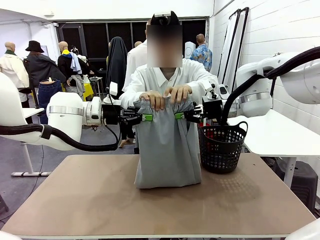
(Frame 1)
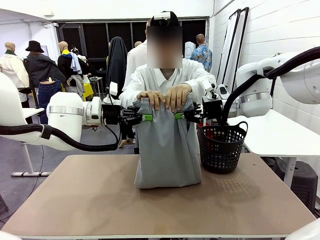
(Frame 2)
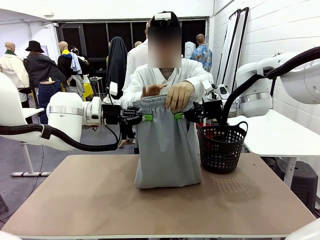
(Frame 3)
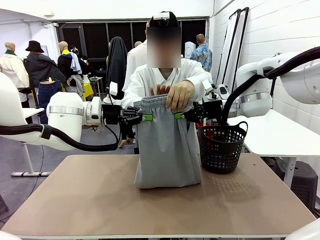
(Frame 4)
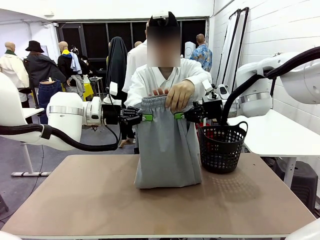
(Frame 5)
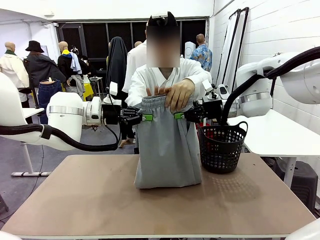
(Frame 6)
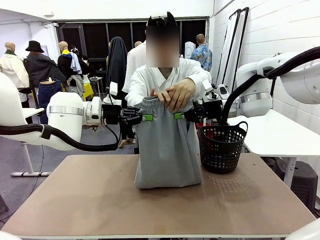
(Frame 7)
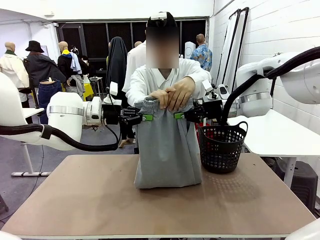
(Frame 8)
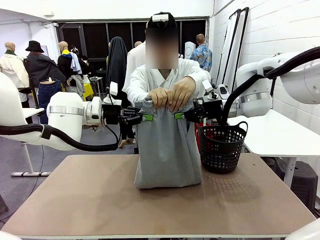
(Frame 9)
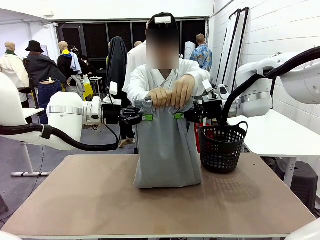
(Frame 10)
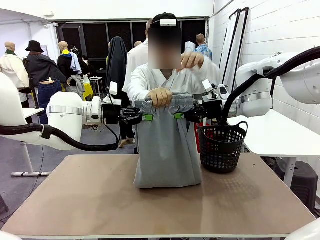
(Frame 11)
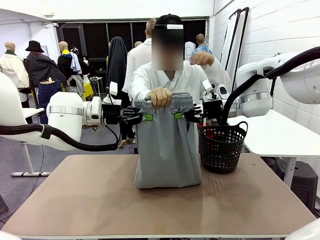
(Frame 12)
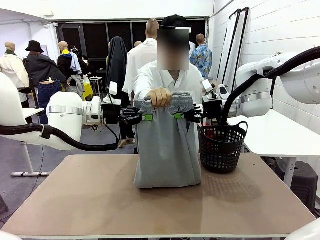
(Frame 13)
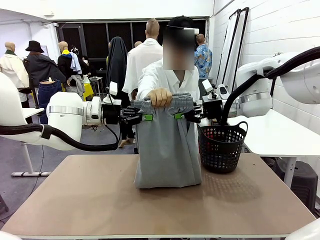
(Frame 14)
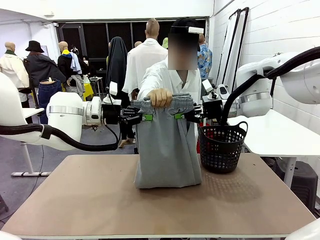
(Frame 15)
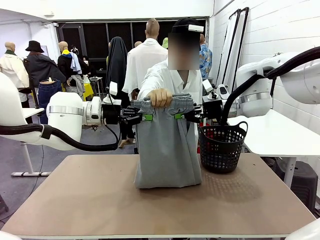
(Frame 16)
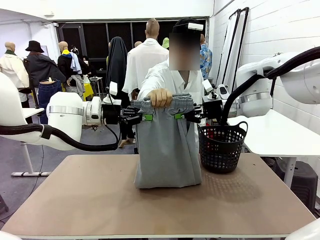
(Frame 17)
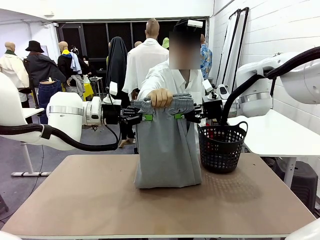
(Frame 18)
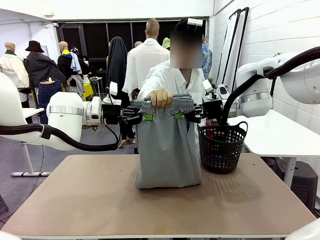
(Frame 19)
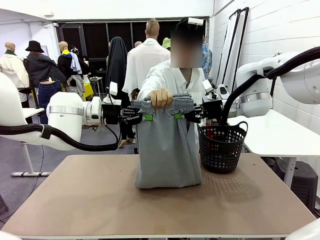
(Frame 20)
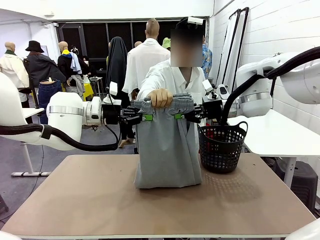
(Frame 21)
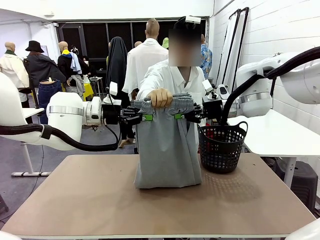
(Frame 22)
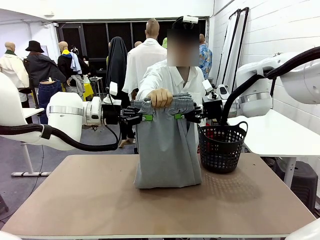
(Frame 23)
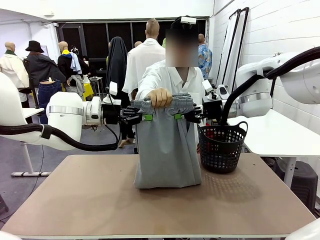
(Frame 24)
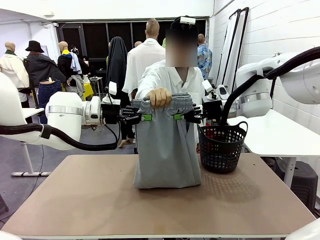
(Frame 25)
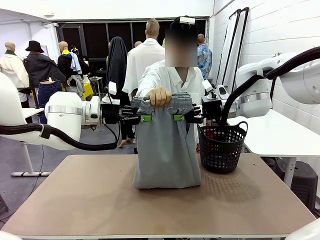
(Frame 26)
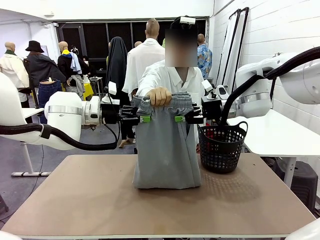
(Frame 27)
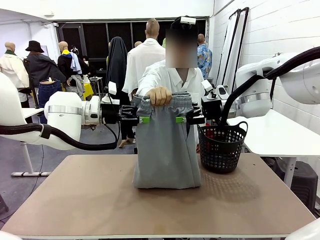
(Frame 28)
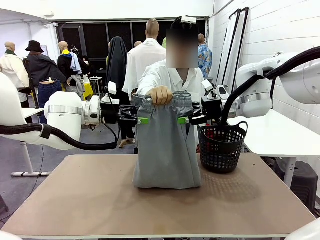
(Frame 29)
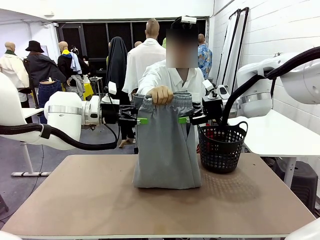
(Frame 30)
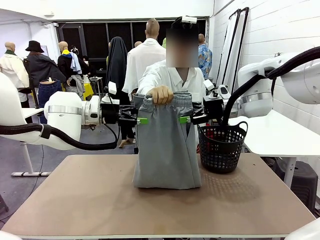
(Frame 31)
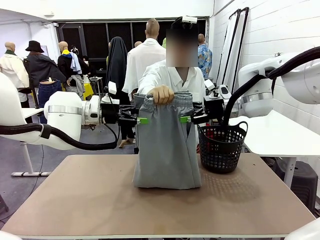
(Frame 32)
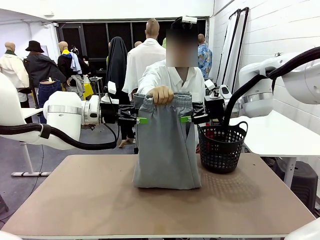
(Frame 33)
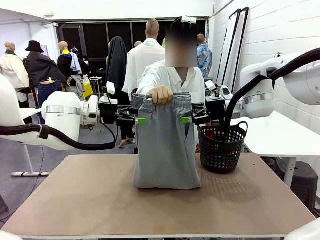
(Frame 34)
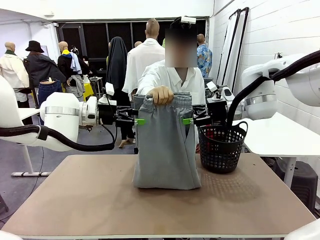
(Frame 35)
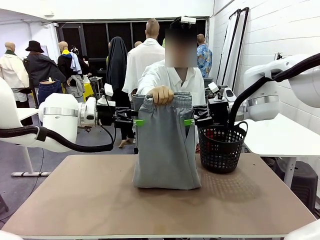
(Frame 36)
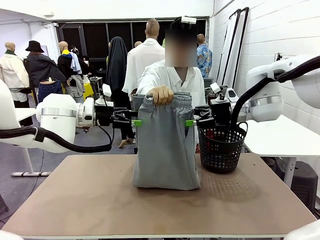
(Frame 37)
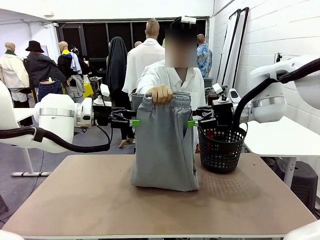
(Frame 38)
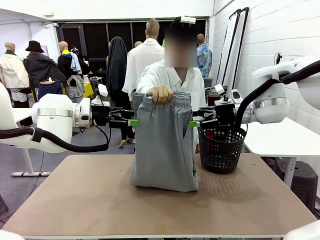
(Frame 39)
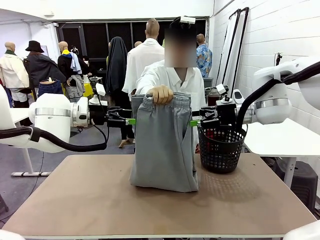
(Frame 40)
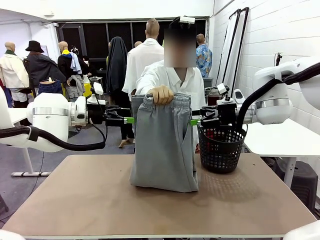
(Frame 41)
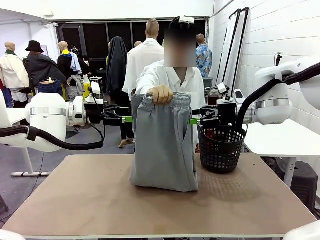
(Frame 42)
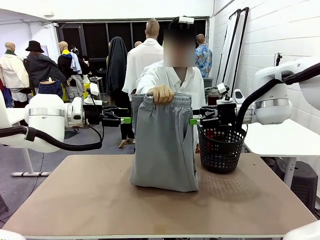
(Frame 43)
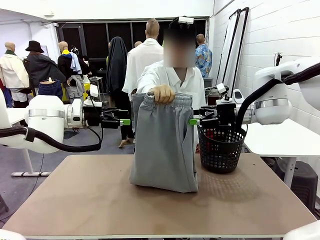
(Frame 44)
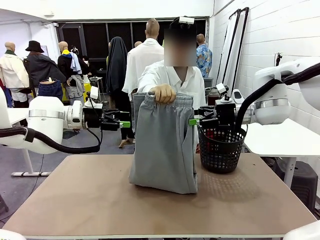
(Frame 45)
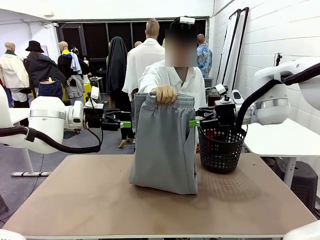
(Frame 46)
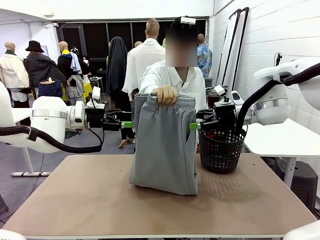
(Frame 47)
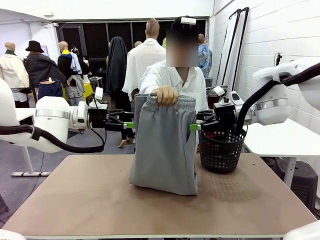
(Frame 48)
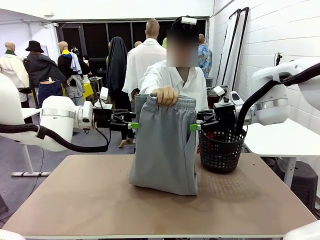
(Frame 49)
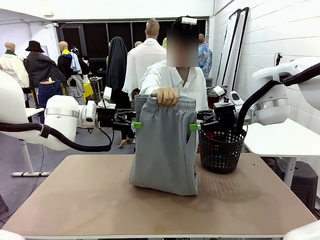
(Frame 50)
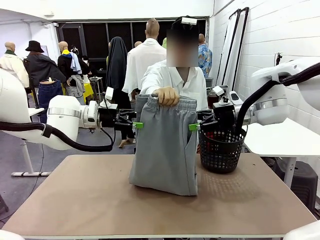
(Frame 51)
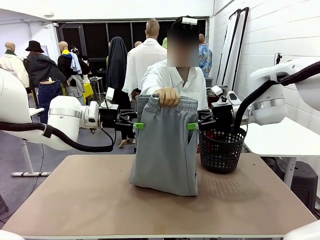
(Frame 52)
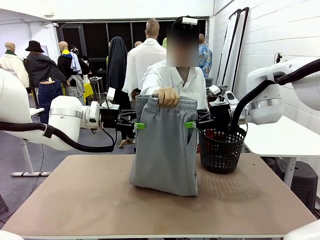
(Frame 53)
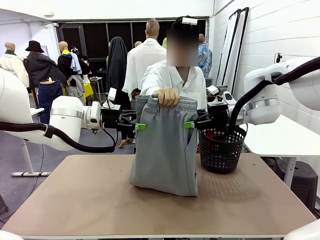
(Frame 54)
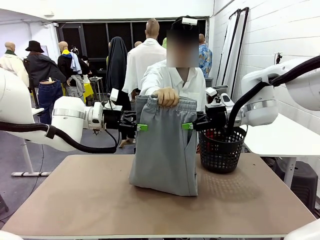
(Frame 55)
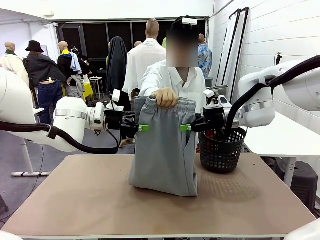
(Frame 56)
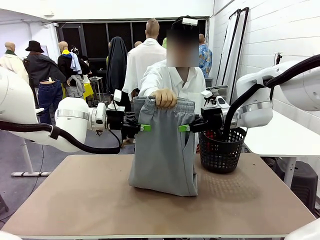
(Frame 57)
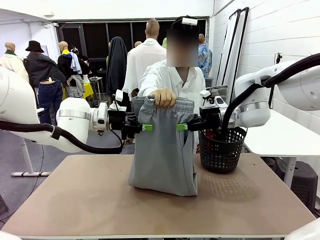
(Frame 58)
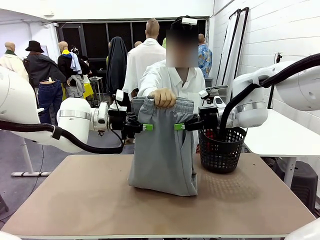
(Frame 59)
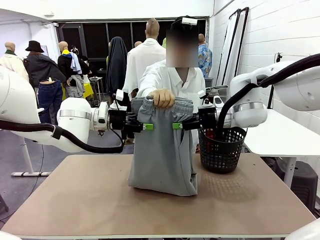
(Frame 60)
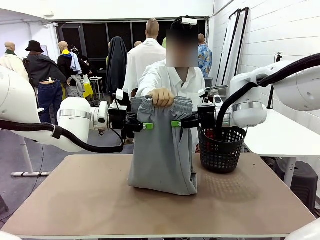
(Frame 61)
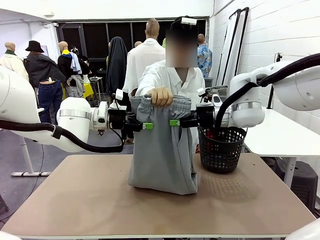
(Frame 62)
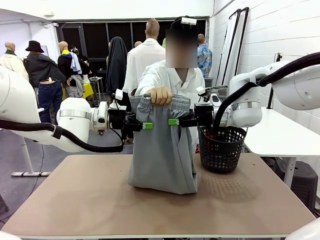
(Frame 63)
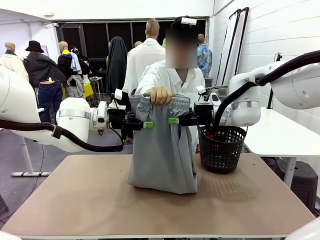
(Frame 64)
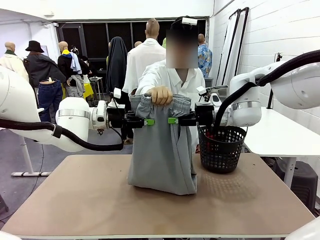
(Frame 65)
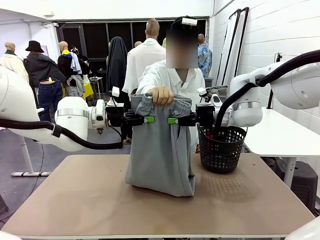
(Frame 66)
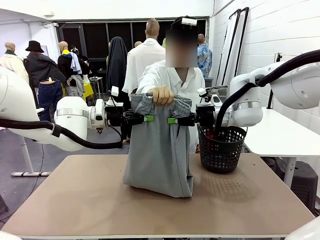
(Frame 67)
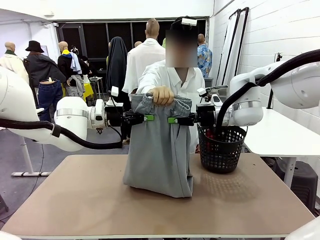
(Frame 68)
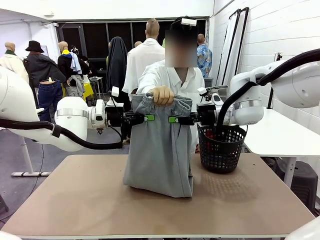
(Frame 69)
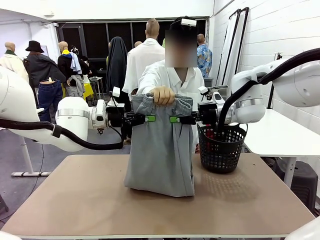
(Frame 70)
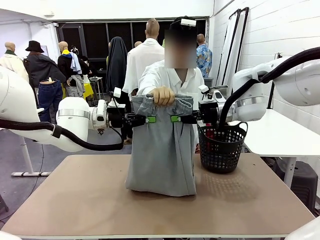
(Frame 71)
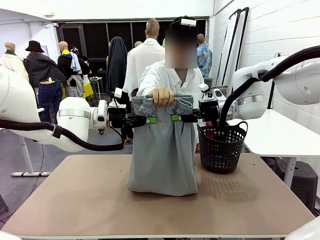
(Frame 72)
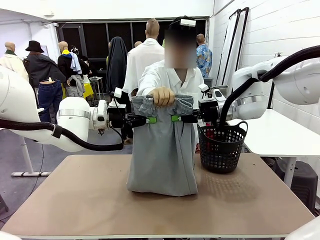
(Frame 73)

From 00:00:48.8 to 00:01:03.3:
Task: Fold the training pants.
Robot: Release the ends of the Training pants and then grab the overlapped ends.
Person: Release the pants you were holding.

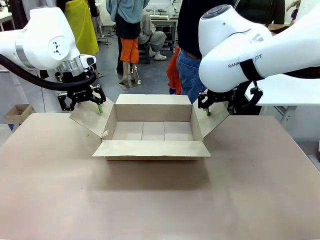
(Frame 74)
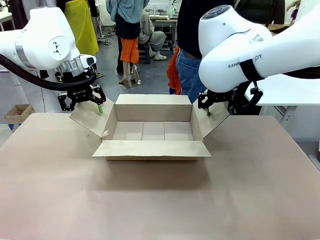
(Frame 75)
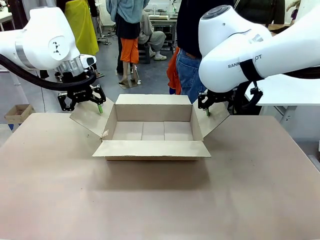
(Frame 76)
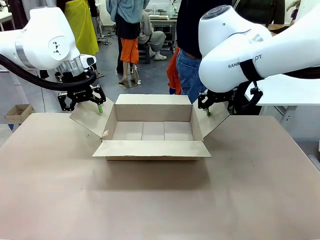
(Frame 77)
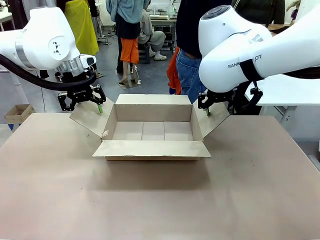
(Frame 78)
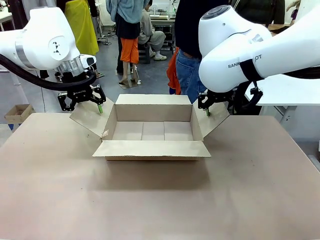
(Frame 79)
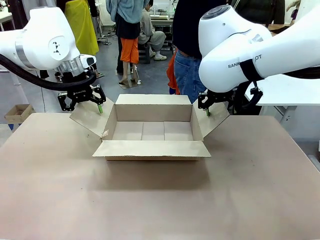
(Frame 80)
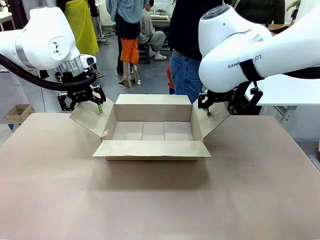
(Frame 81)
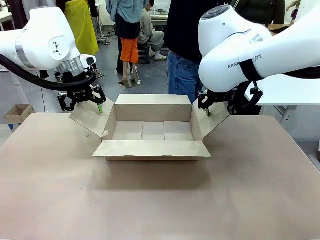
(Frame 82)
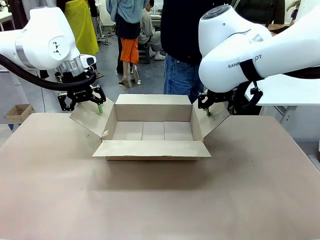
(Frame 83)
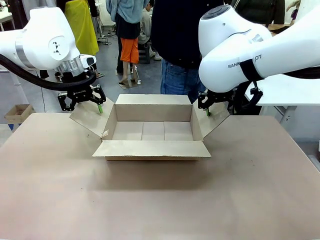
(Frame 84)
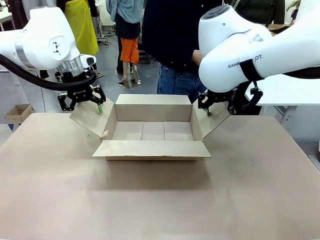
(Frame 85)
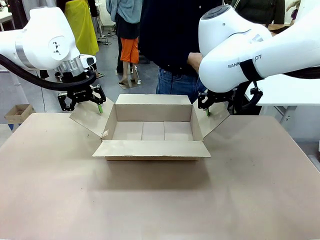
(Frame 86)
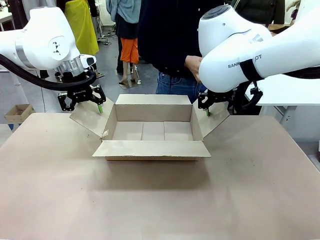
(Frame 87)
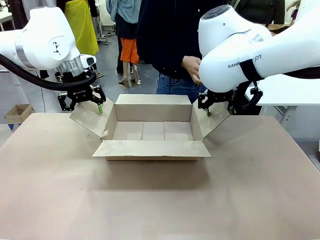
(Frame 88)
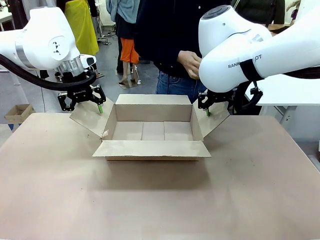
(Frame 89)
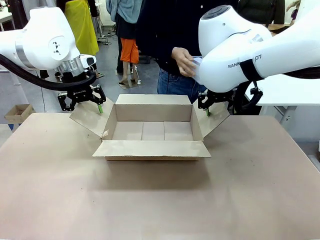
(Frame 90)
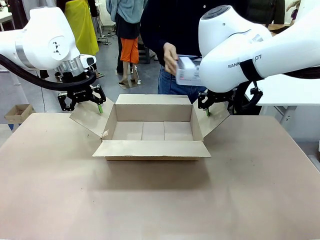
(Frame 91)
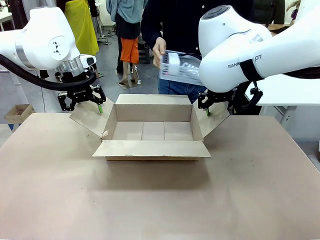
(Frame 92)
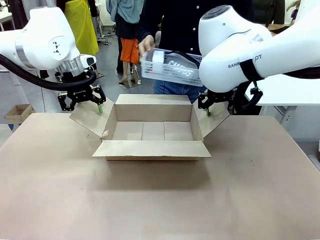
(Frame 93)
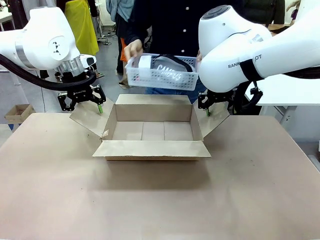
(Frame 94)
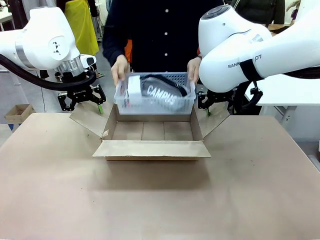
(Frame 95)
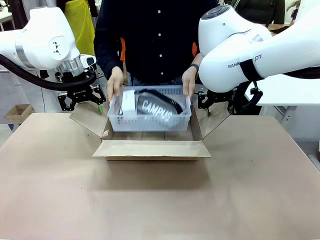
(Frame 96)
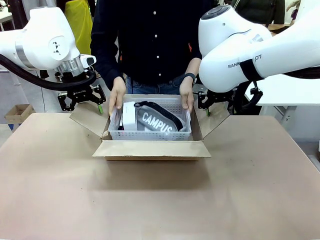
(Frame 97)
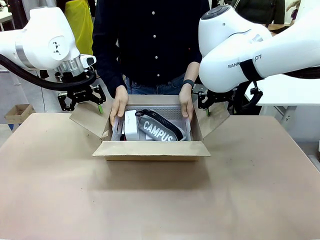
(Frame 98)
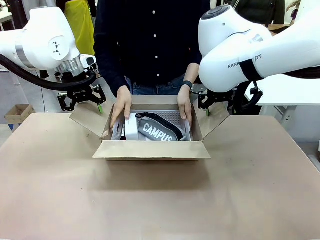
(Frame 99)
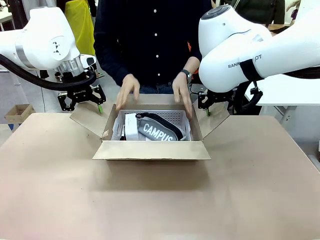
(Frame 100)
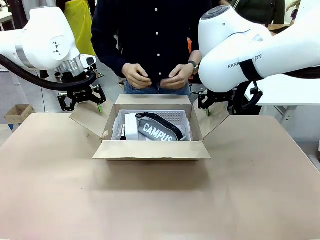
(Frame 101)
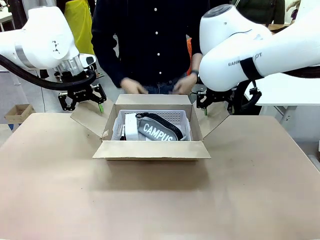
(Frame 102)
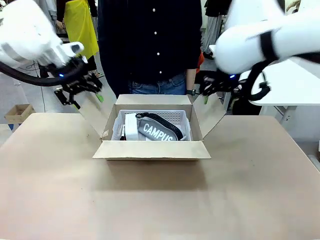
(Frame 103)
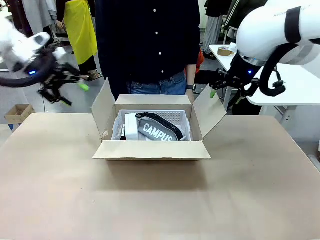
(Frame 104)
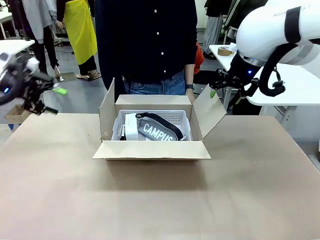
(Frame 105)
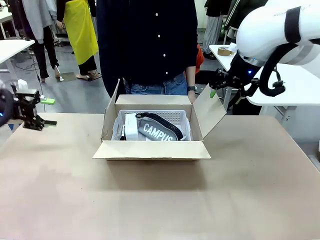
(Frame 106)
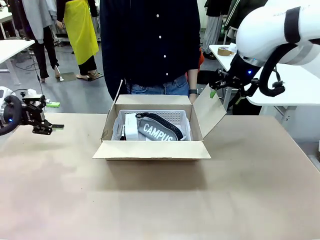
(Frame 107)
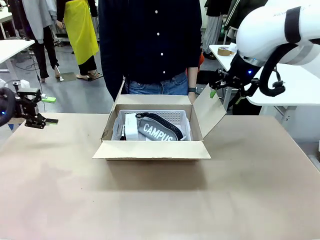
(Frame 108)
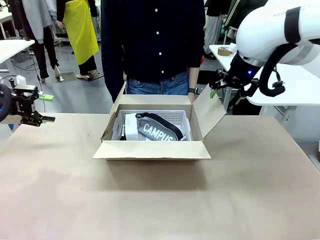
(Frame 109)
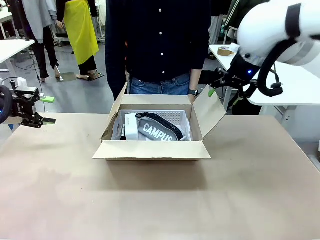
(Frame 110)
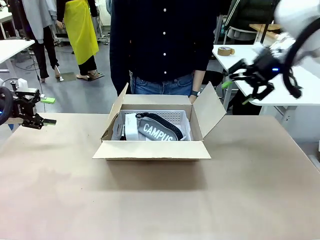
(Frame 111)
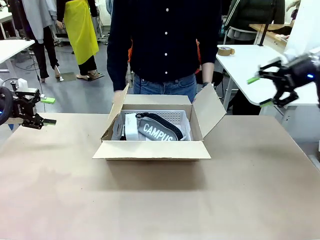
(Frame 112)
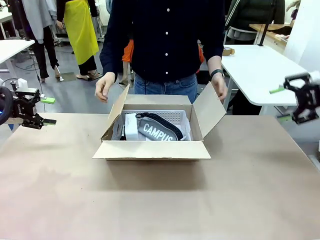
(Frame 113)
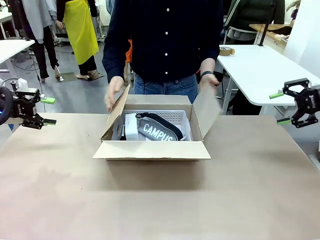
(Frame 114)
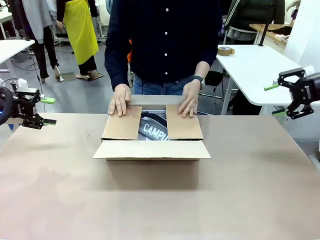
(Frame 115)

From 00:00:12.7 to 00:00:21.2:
Task: Pack the gift set into the box.
Robot: Lift both hands away from the flaps of the Package Box.
Person: The human picks up the organizing basket and places the organizing basket into the package box on the robot table.
